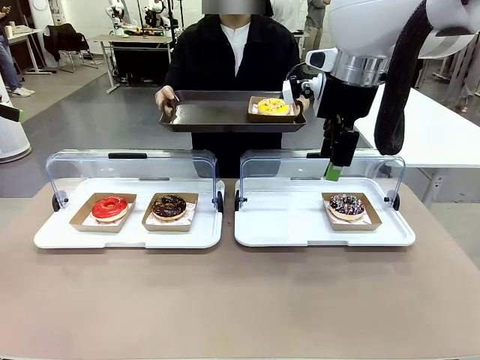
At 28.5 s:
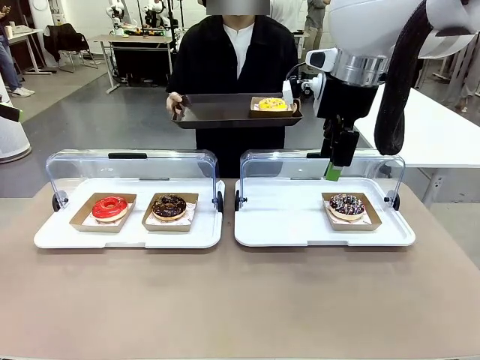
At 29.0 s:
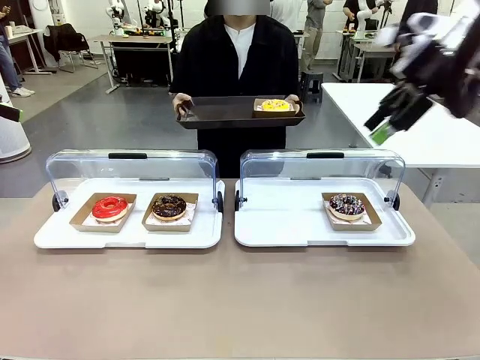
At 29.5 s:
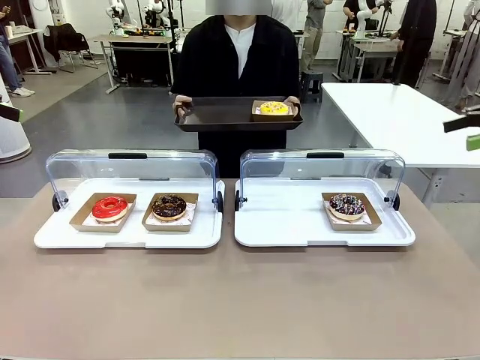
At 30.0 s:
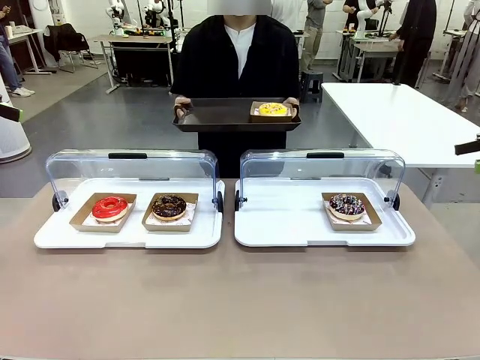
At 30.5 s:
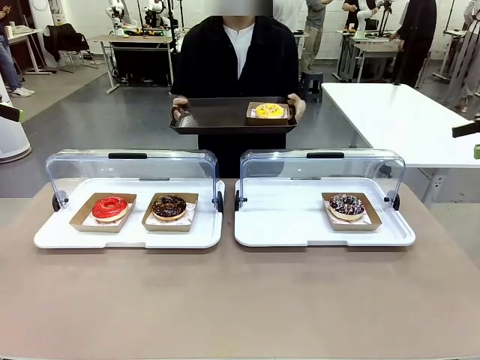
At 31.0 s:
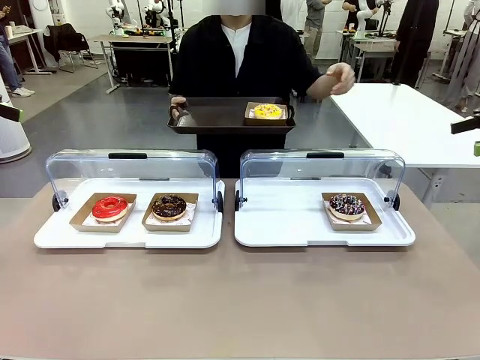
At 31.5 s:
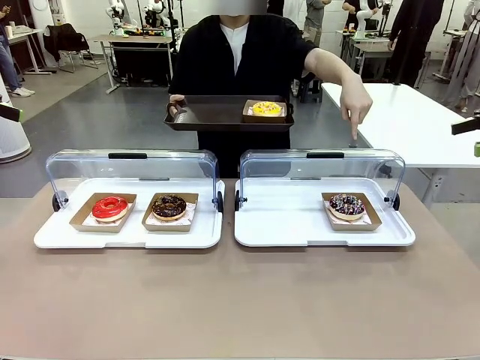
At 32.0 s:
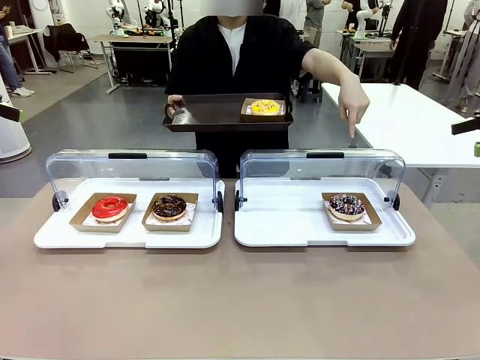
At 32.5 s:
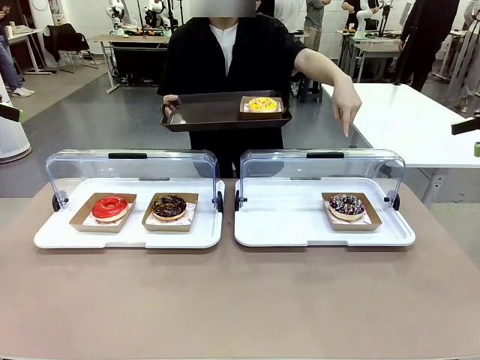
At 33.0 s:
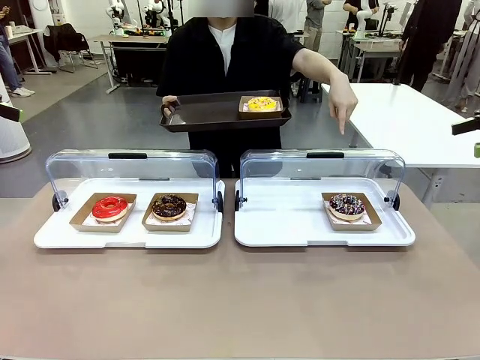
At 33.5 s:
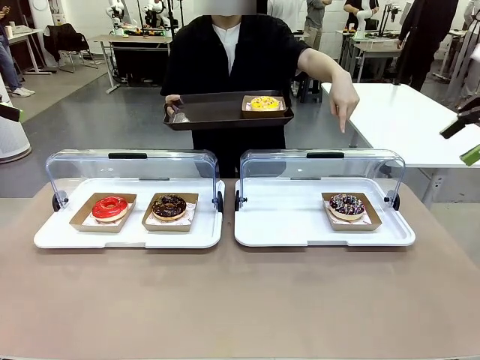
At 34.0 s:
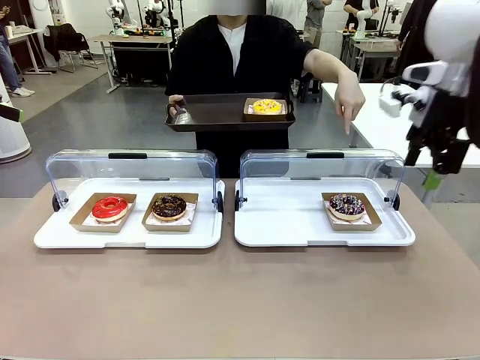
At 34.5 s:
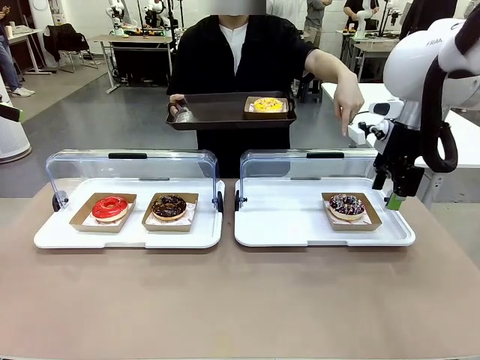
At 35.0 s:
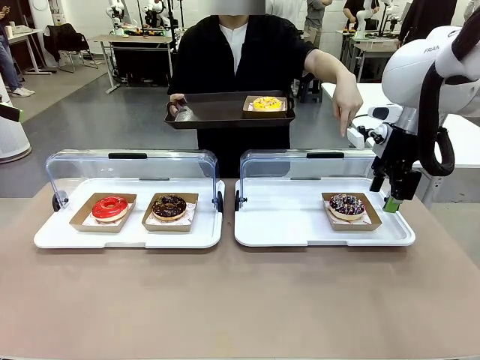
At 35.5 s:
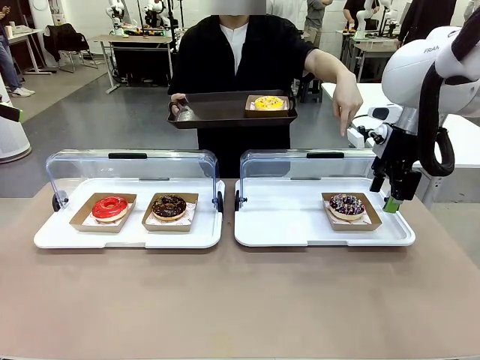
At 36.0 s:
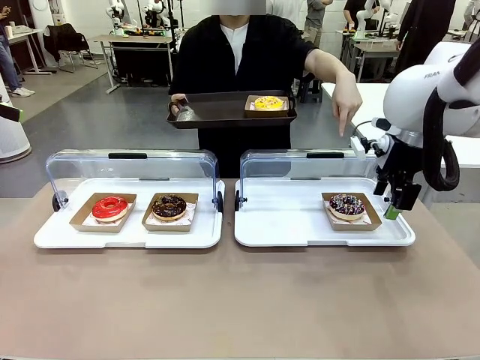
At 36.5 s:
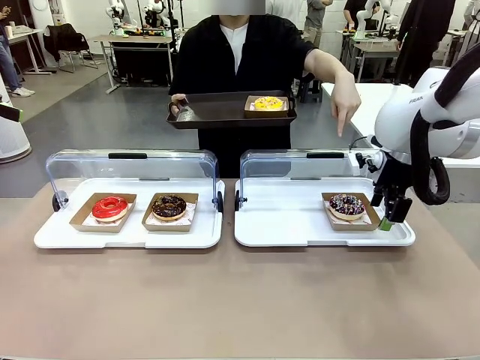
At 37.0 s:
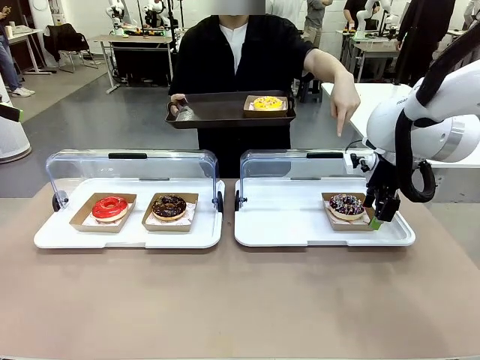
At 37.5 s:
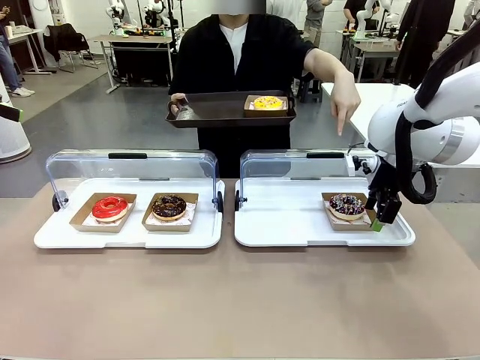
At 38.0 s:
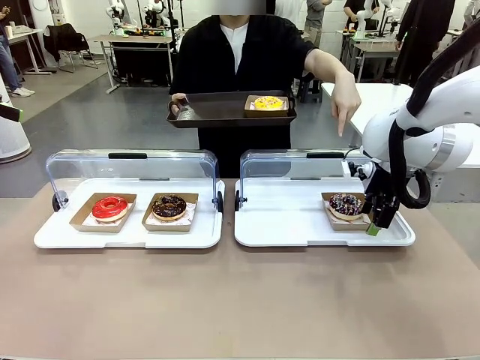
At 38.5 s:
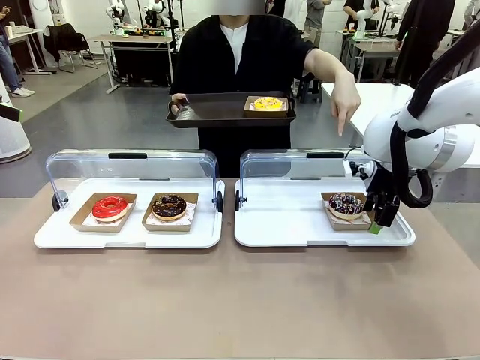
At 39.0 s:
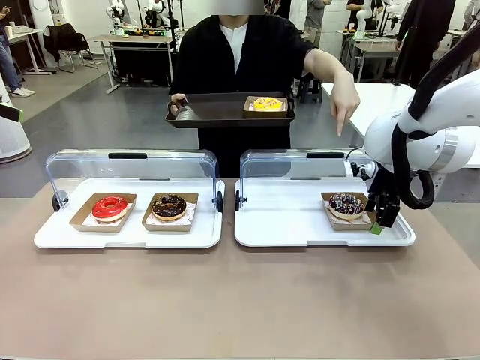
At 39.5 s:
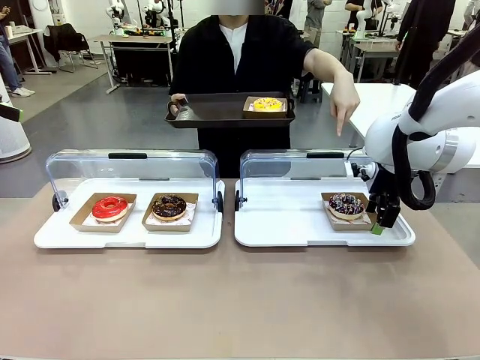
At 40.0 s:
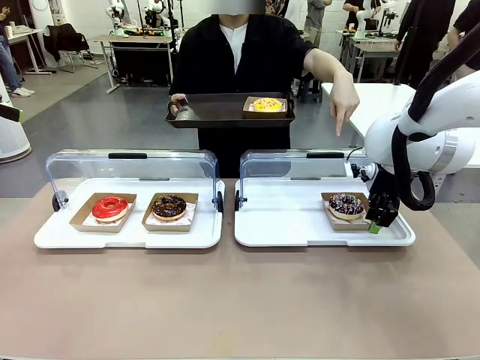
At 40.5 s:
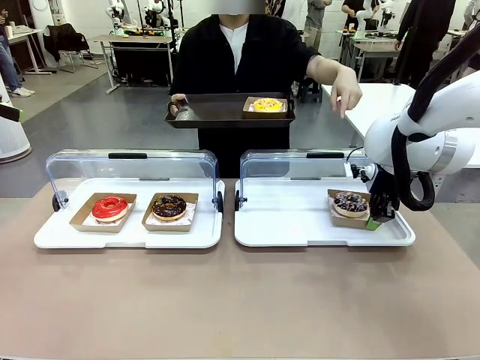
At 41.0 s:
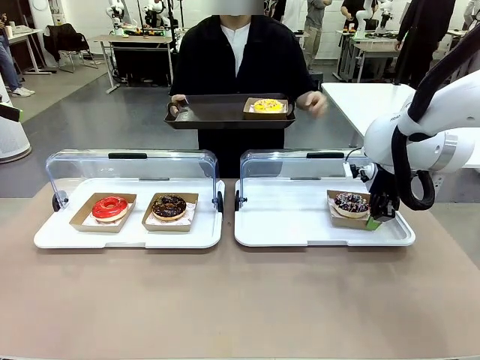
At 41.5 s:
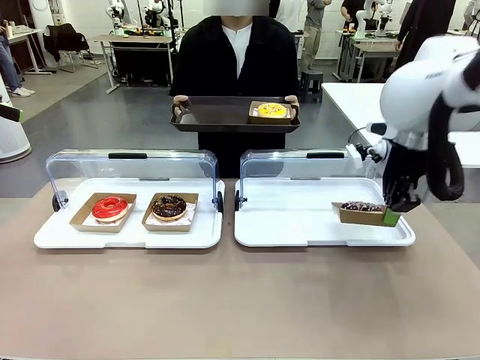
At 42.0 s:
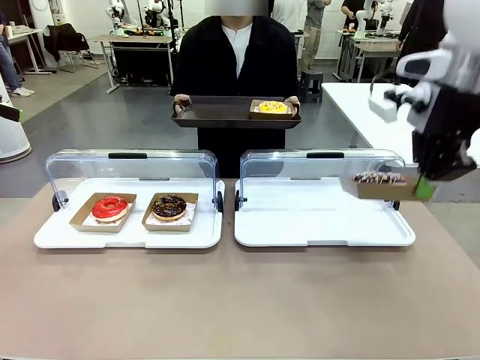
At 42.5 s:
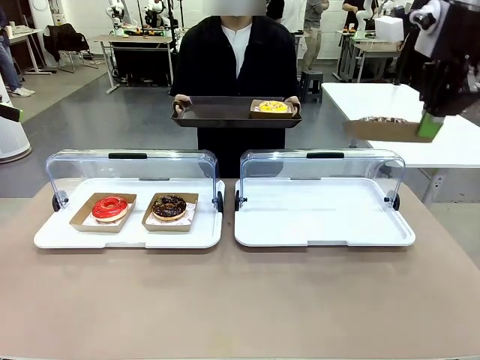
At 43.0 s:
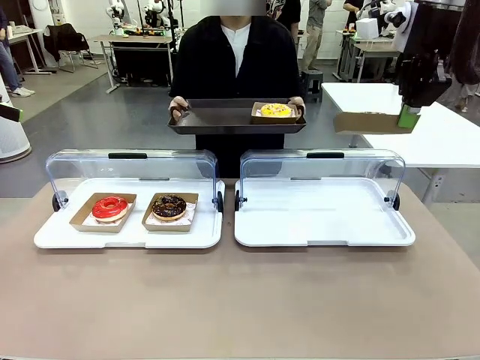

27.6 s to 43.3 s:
Task: Provide the desired donut to the person.
Robot: Pick up and lift the Paper togo box containing the Donut pointed at by the person.
Person: Point to one donut. Lift the tray onto the Roll-Top Bakery Case.

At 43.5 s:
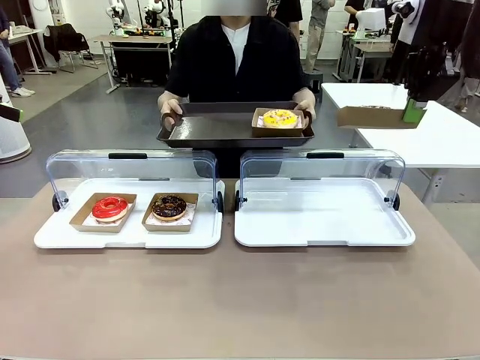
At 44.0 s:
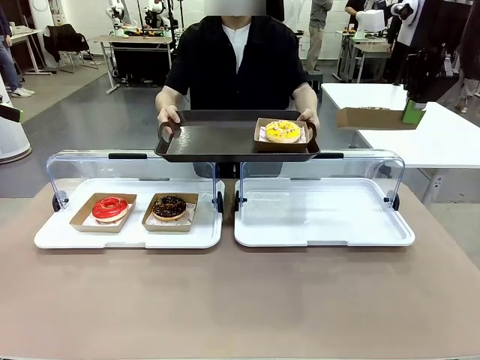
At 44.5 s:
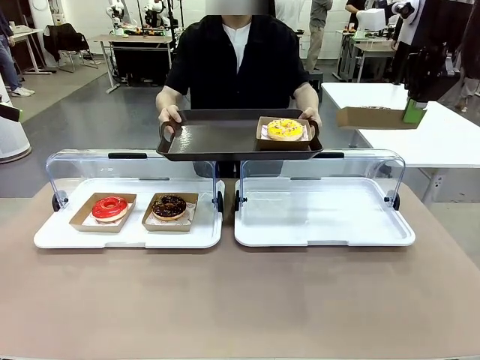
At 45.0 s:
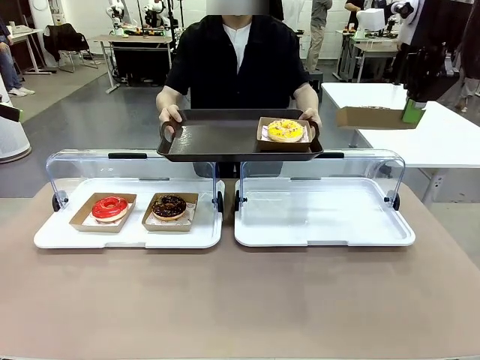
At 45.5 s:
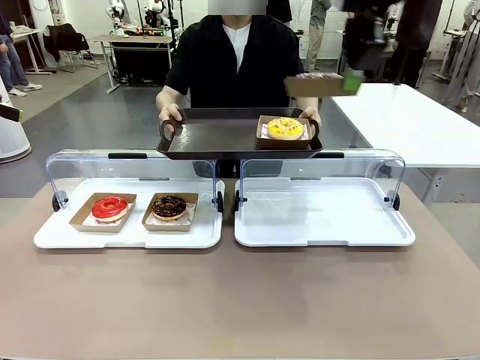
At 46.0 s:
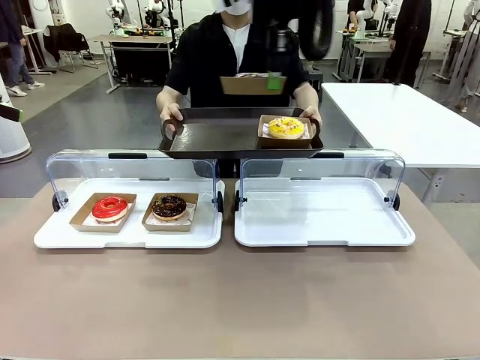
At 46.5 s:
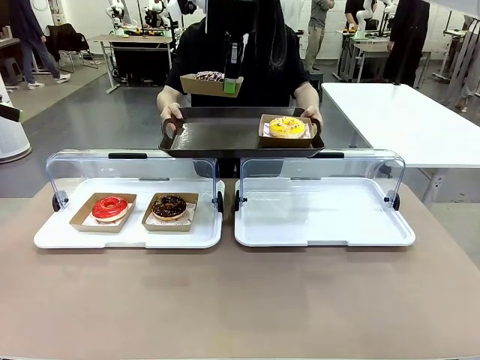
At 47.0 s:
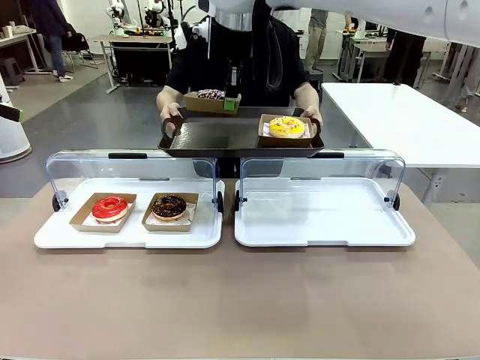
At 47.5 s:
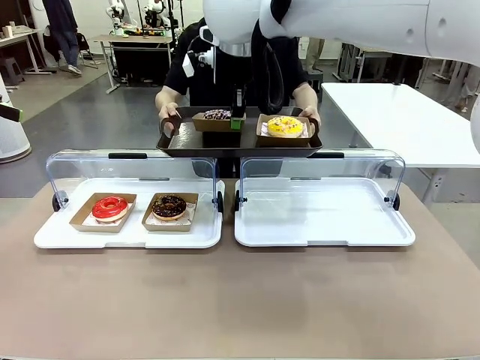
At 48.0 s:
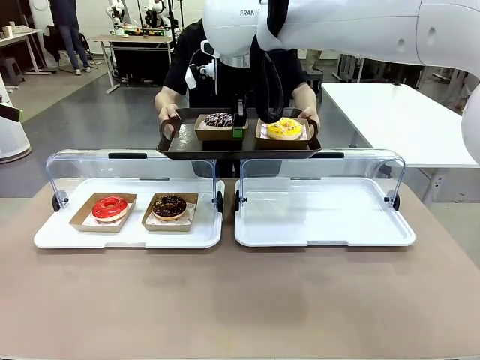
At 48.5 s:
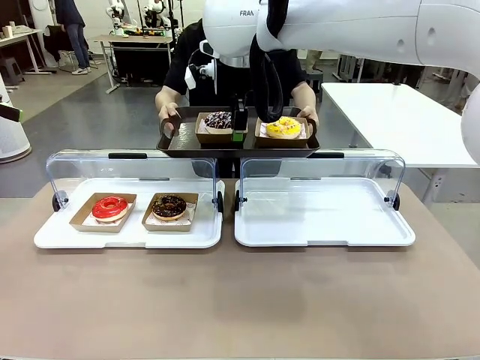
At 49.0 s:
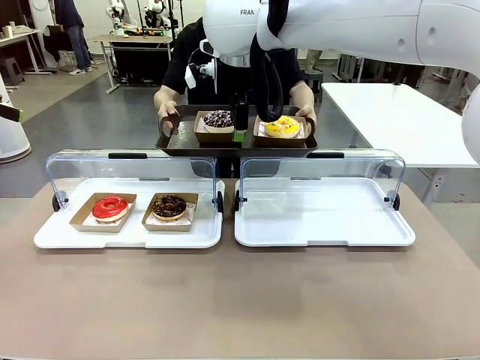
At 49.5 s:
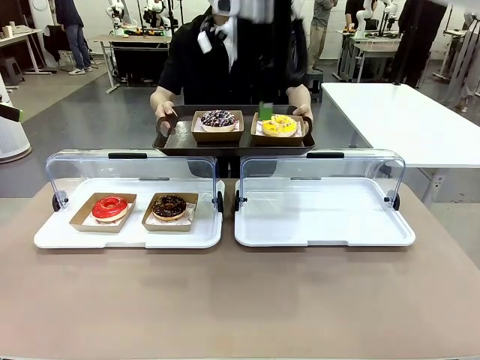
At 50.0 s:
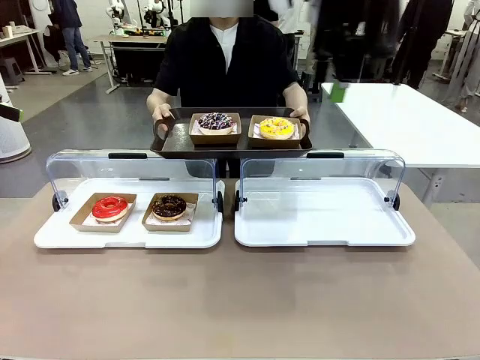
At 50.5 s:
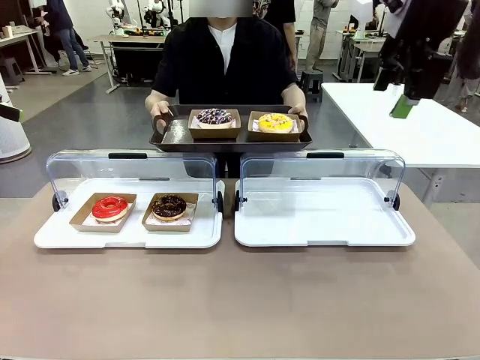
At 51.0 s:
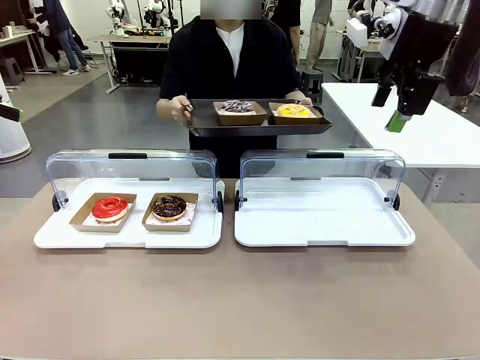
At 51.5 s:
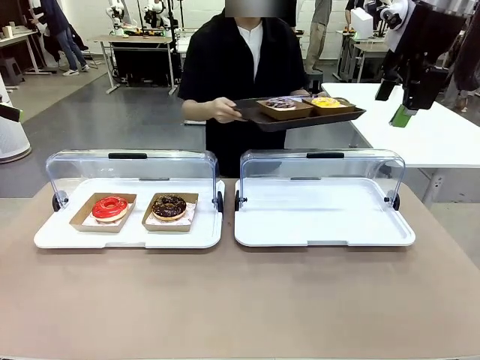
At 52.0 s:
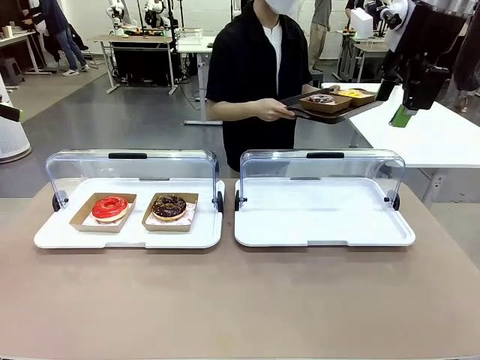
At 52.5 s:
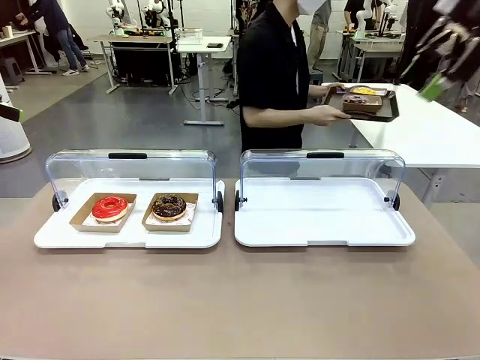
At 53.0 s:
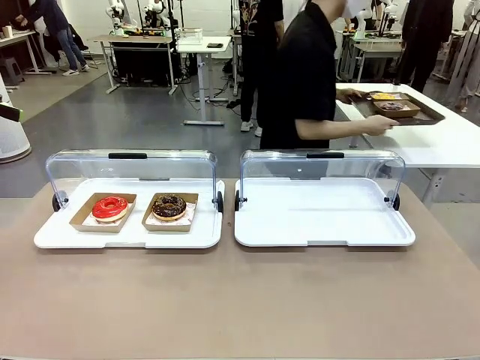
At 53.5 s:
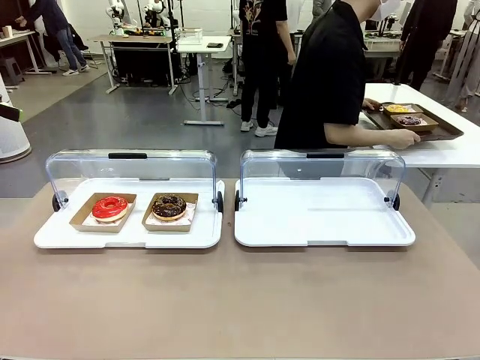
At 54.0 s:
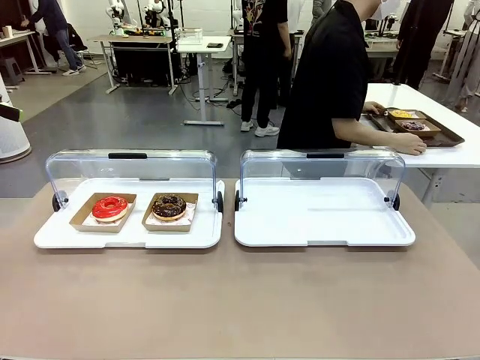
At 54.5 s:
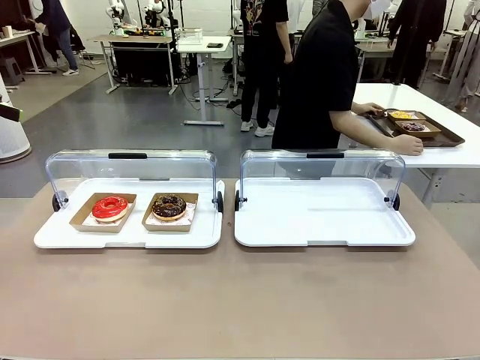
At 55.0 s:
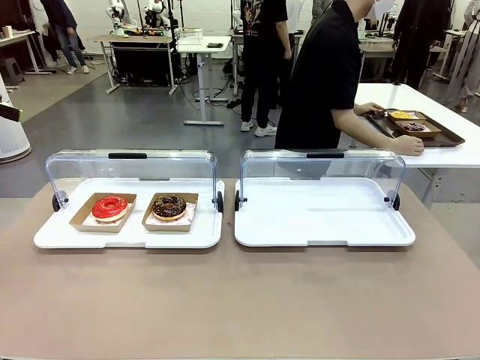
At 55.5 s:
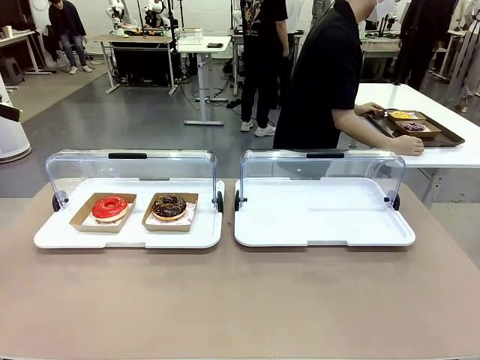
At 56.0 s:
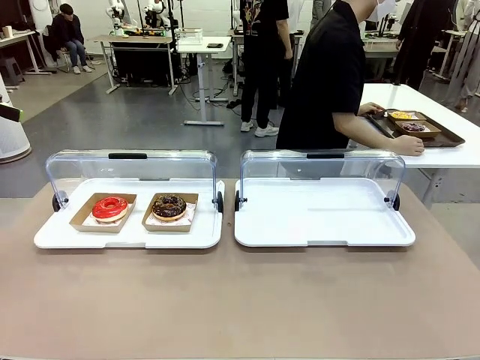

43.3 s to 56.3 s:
Robot: Place the picked Paper togo box onto the Handle tray extended by the person.
Person: Place the tray in the middle of the human table.
